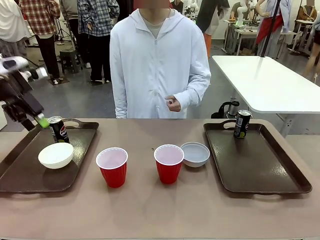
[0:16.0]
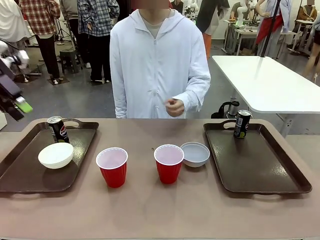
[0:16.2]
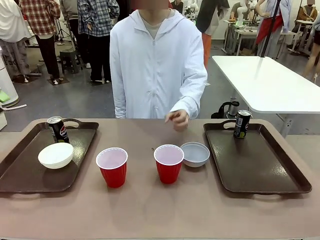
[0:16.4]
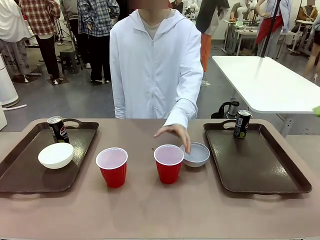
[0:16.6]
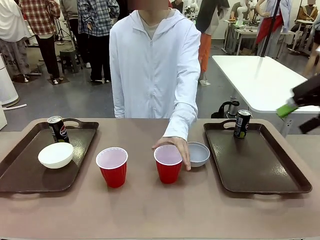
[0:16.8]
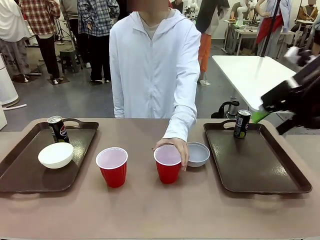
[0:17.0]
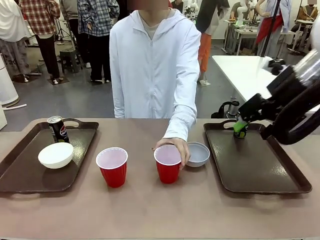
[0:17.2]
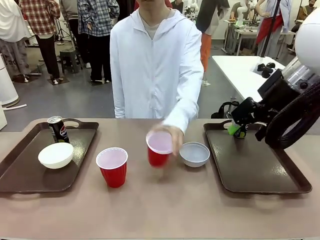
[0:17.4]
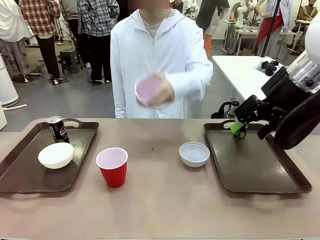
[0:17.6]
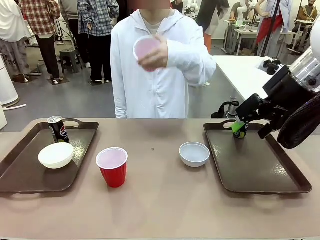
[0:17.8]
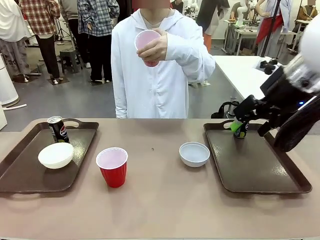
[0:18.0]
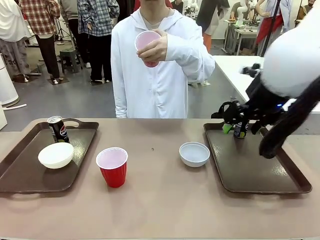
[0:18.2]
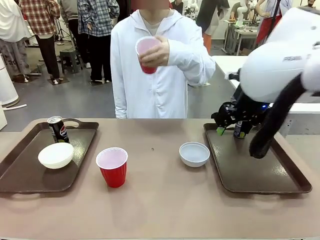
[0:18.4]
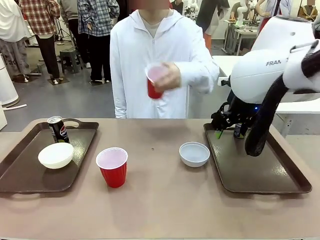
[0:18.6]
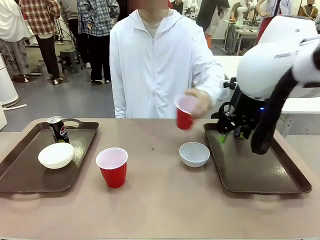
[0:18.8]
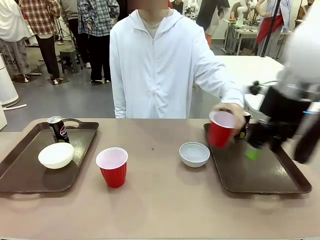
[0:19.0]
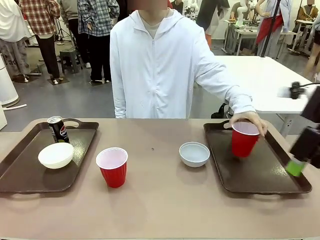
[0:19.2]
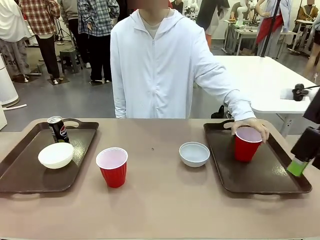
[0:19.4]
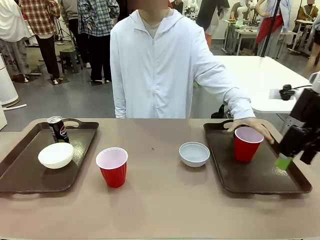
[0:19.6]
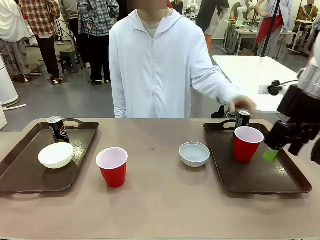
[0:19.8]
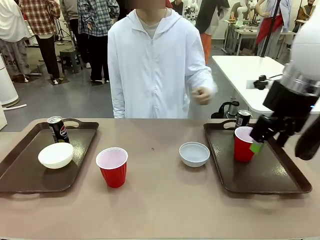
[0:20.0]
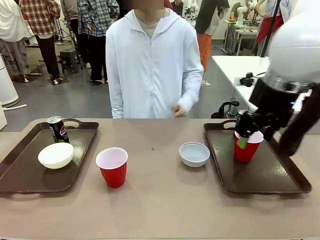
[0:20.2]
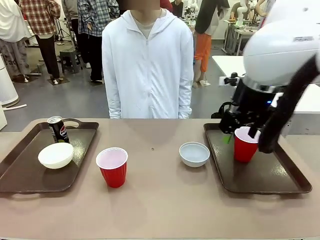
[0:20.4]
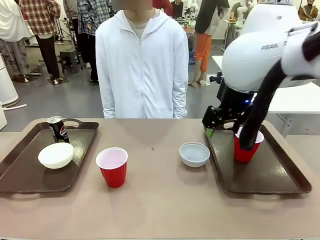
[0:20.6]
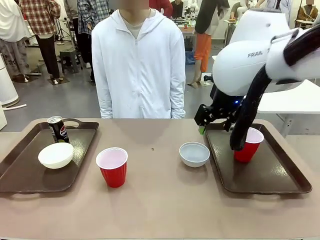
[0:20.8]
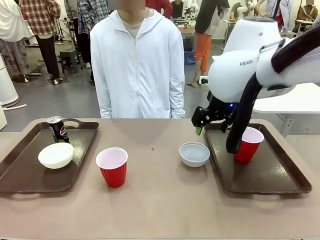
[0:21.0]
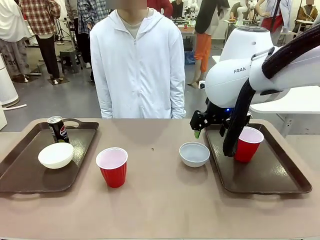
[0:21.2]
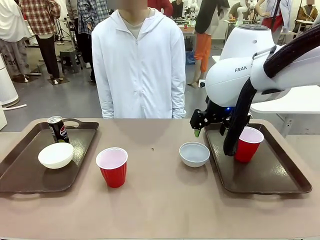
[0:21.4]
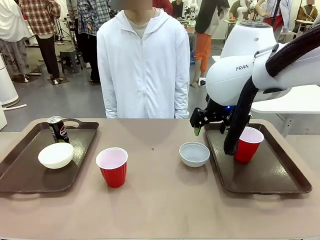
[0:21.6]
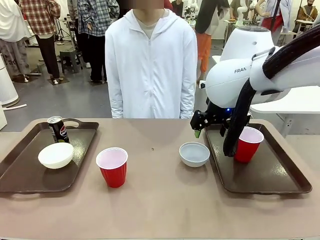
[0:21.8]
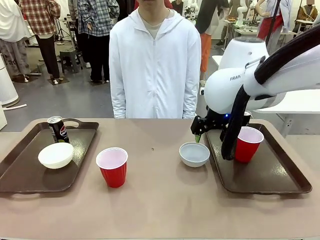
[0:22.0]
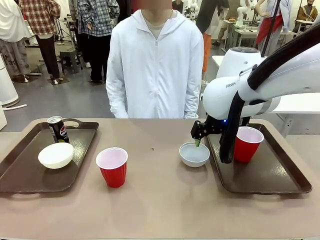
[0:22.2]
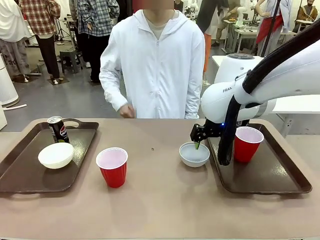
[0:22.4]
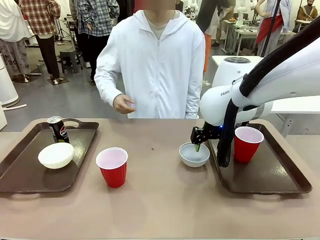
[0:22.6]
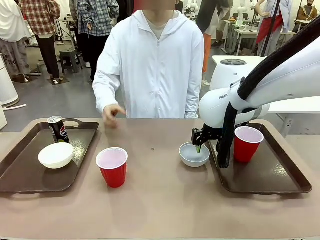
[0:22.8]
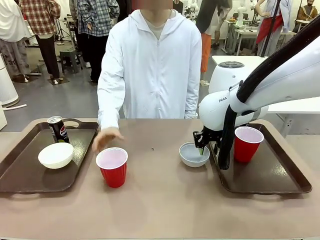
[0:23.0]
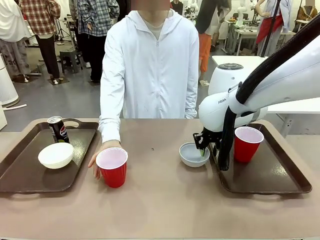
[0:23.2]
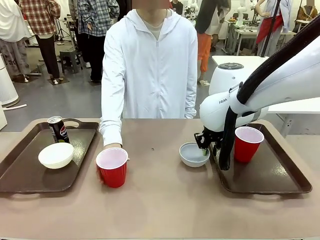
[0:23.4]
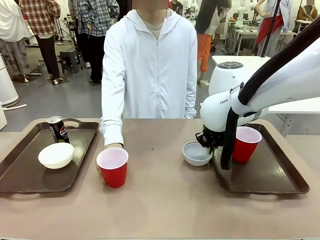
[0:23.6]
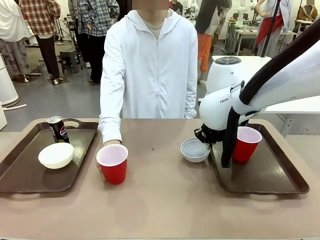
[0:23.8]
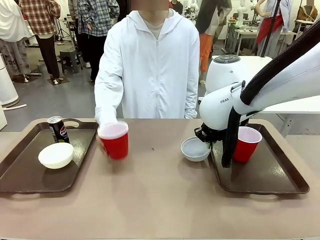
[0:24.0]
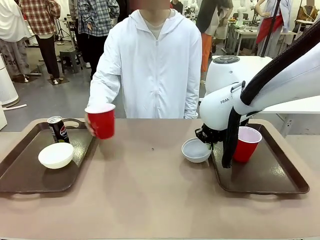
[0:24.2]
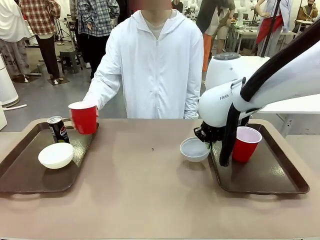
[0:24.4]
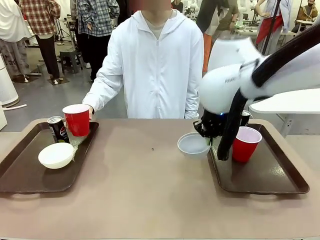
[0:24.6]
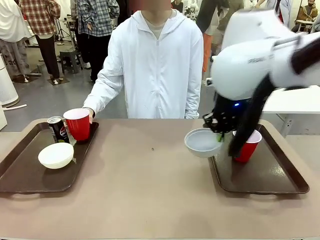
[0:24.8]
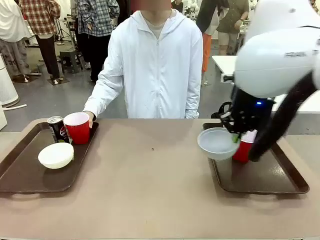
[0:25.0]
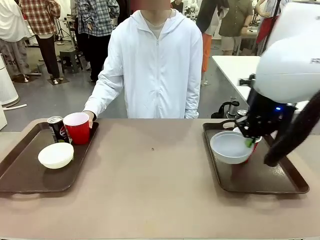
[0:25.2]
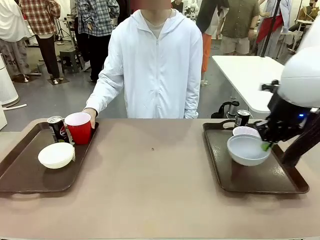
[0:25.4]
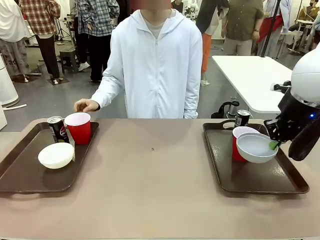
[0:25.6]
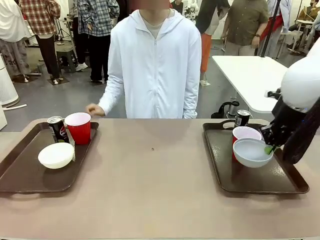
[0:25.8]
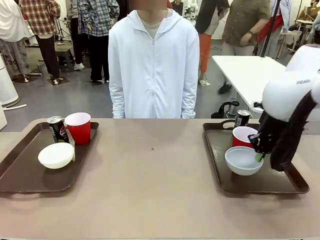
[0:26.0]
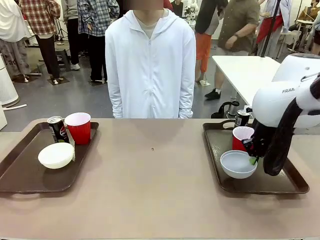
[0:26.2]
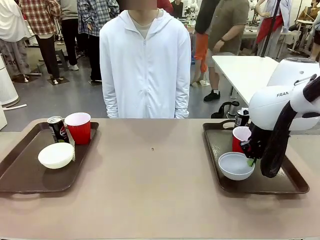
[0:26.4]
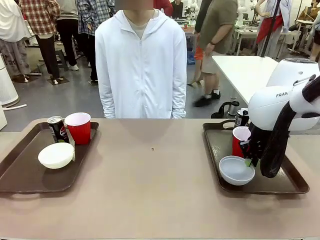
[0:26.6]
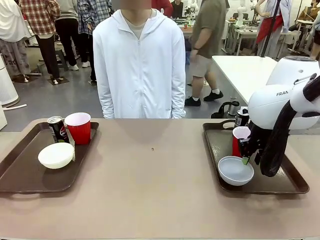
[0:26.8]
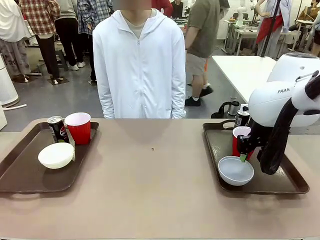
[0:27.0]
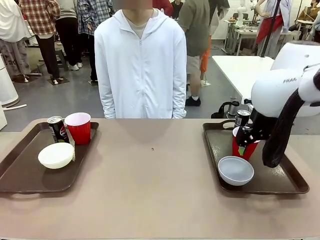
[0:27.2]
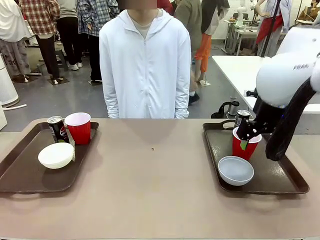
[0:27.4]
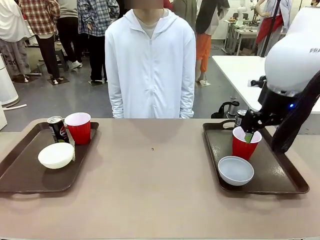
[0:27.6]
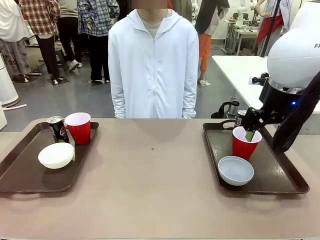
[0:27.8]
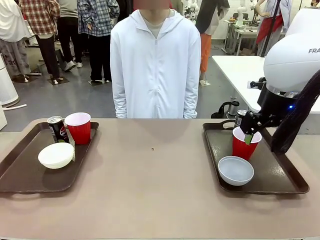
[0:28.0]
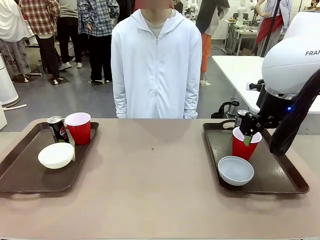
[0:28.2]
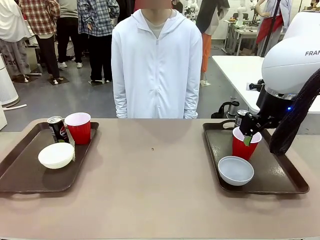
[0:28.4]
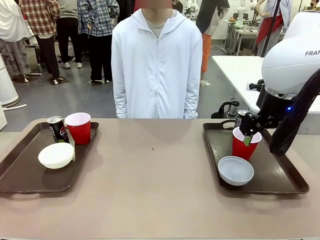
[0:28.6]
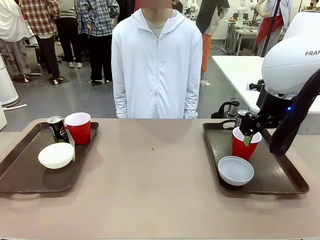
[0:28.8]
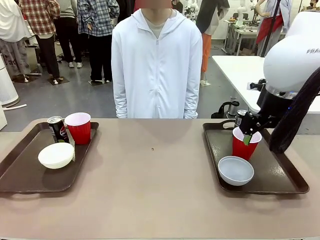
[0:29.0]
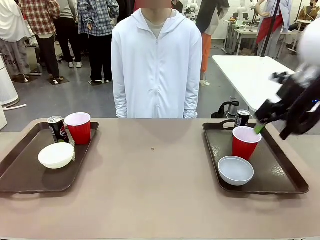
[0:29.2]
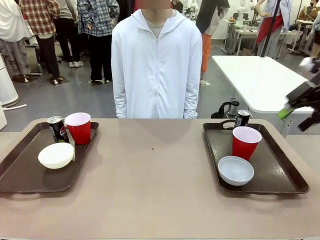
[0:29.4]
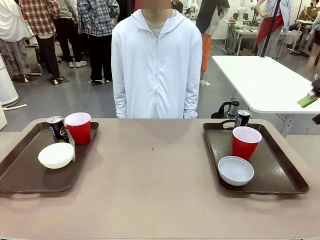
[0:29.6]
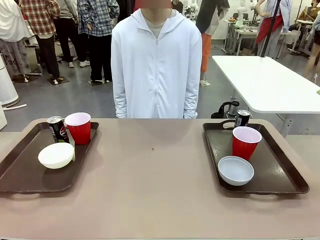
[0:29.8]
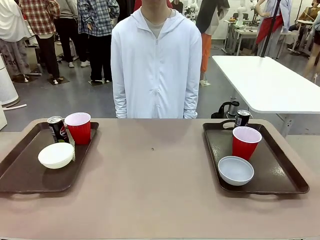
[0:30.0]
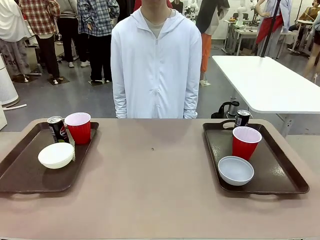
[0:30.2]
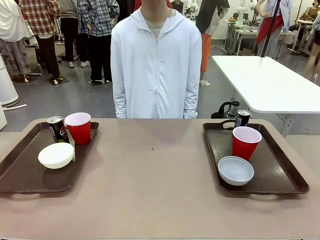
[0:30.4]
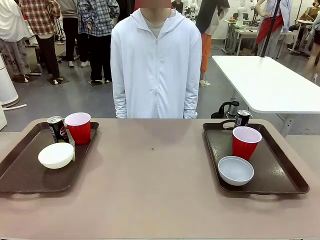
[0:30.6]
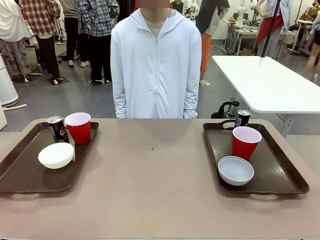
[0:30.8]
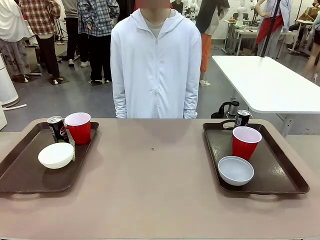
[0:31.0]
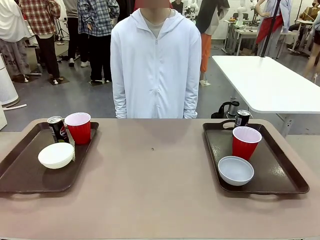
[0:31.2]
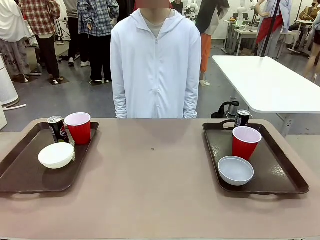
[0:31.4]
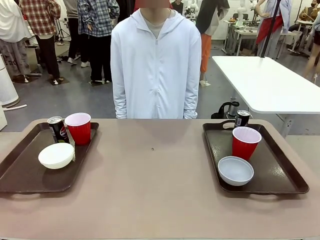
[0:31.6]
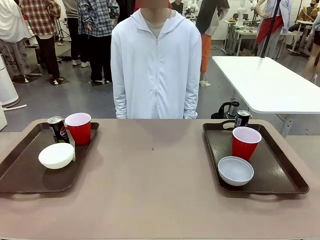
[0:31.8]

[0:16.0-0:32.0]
Task: Prepare tableware on both trays.
Robot: Pick up a Picnic Bowl from the table and place it on a Handle tray.
Person: Pick up a can or cup and place it on the tray without a can or cup.
